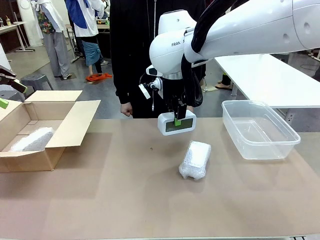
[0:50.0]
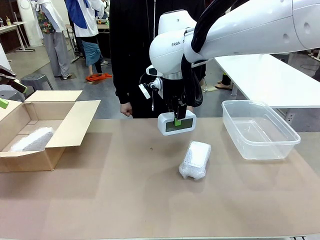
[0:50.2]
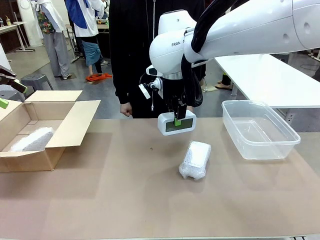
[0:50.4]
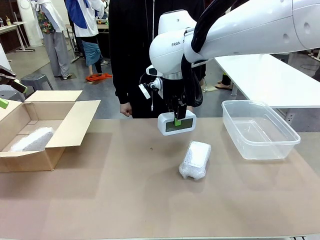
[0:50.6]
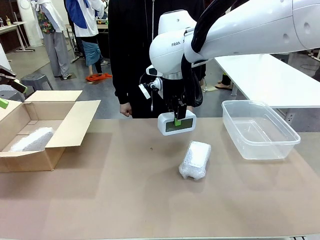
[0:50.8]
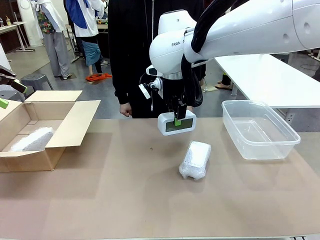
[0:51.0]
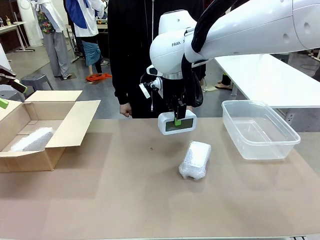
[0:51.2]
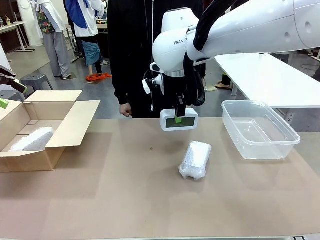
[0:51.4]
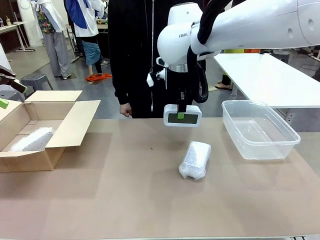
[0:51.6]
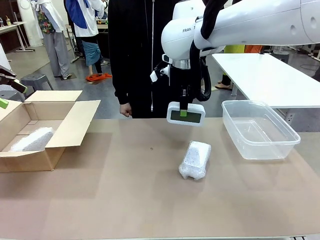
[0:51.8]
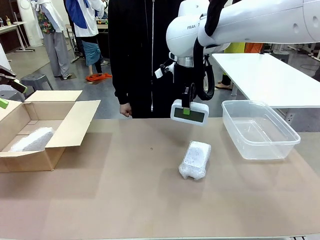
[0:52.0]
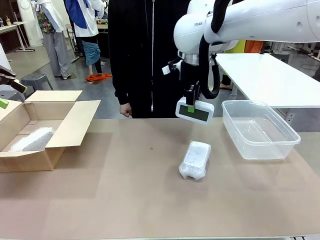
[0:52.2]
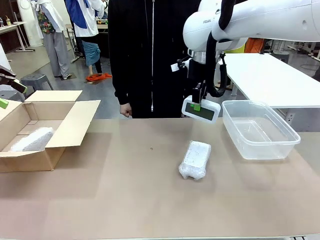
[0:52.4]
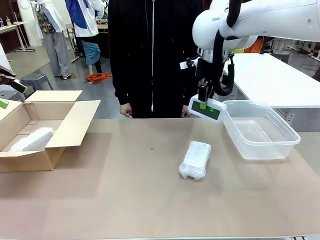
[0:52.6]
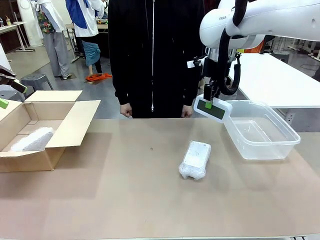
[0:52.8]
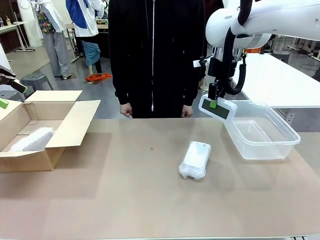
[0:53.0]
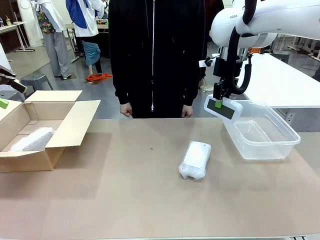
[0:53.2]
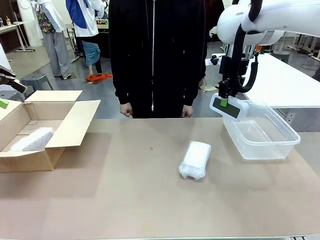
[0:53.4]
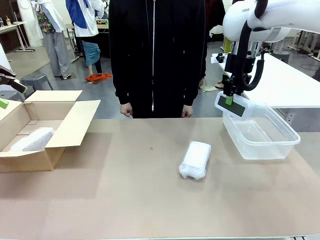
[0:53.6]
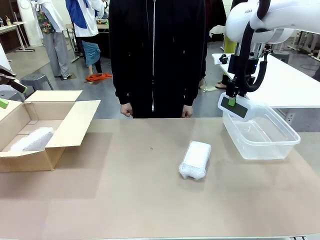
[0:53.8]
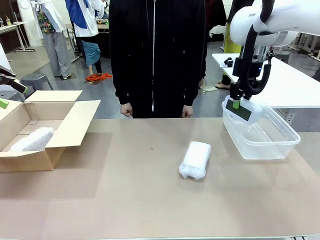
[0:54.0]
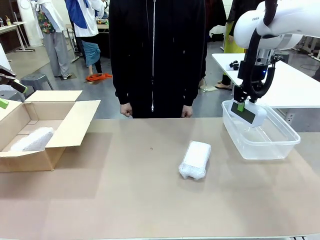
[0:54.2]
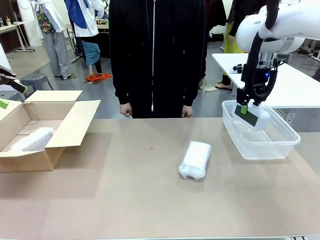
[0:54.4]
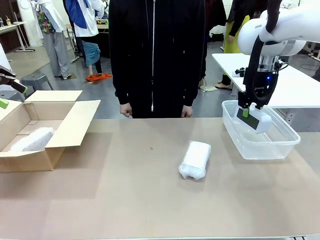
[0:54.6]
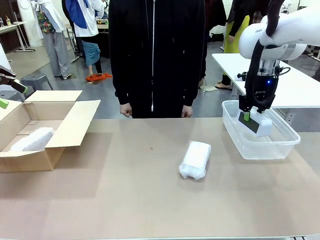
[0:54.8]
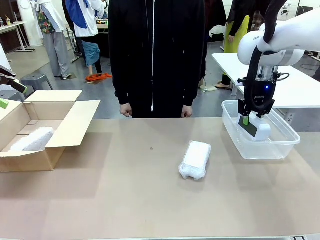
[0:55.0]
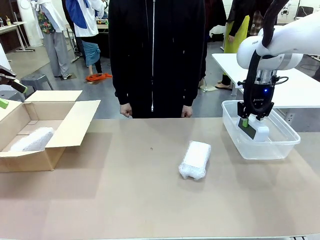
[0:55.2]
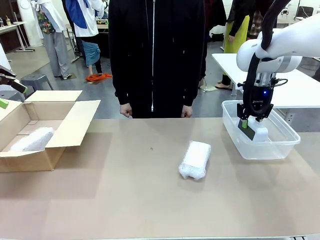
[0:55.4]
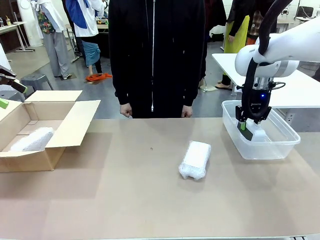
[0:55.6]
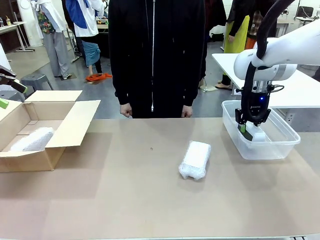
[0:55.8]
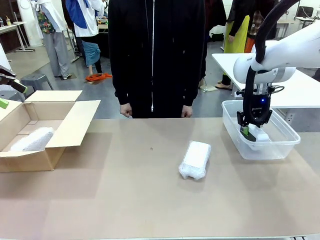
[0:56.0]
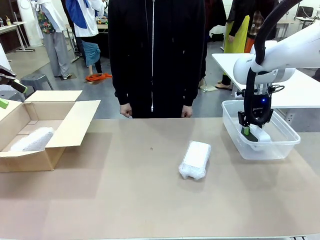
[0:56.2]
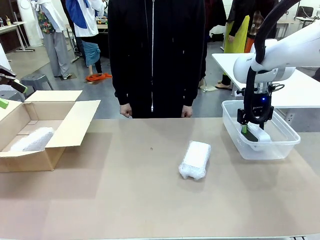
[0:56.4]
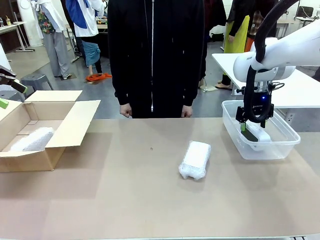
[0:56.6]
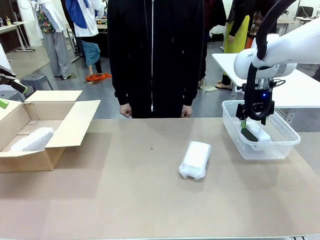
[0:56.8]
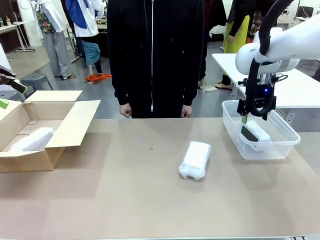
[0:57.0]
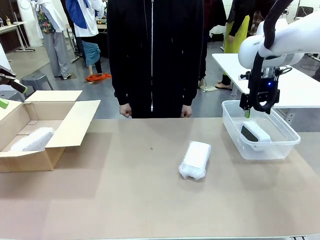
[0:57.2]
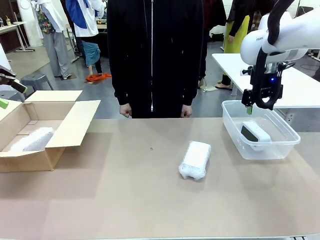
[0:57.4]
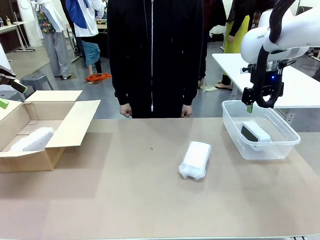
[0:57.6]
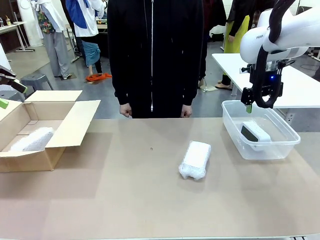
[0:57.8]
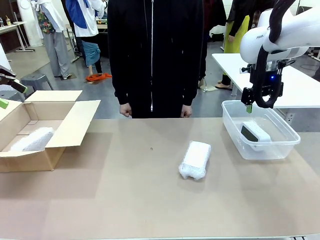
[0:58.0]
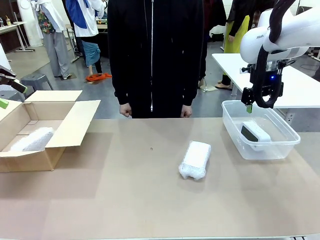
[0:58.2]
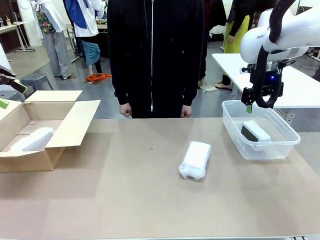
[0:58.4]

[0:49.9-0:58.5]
Task: Separate and place wrapped and unwrapped clocks.
Robot: If the picked Digital clock is wrapped, place it in the Package Box ; if not, place it in the Organizing box.

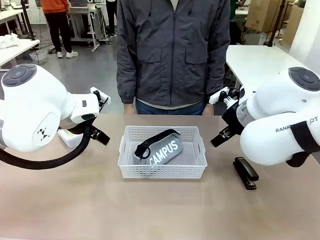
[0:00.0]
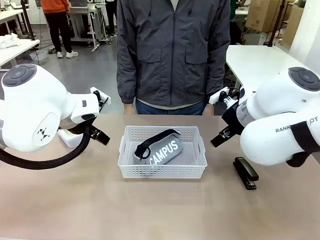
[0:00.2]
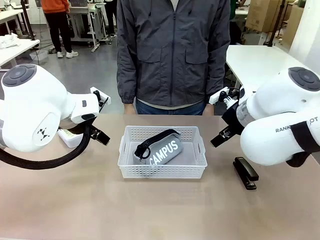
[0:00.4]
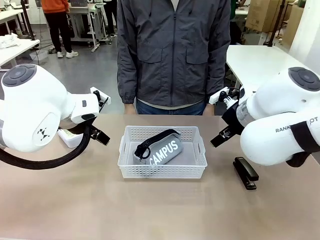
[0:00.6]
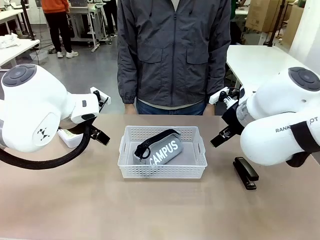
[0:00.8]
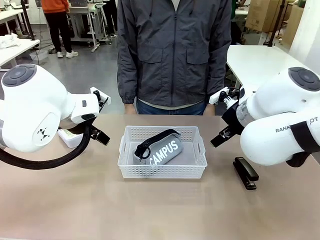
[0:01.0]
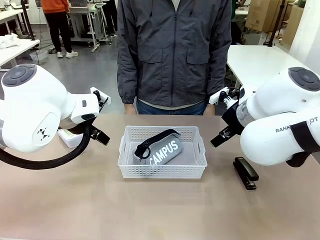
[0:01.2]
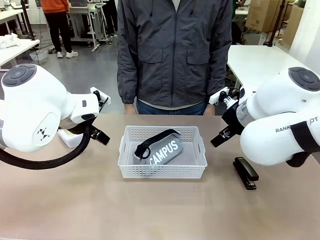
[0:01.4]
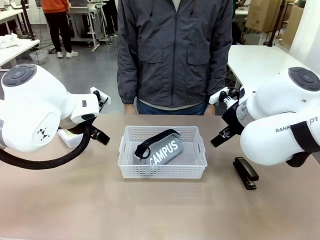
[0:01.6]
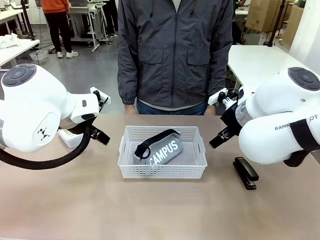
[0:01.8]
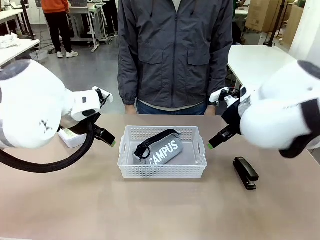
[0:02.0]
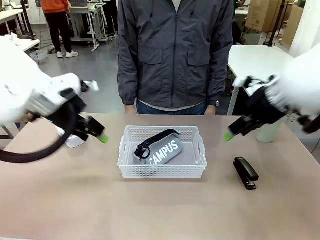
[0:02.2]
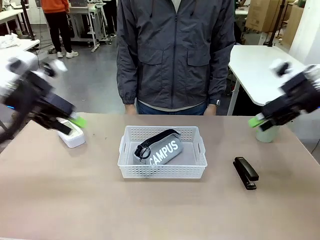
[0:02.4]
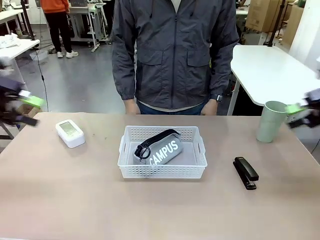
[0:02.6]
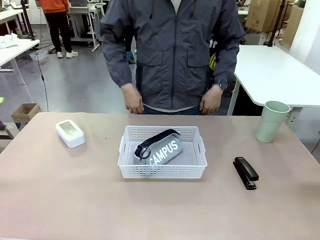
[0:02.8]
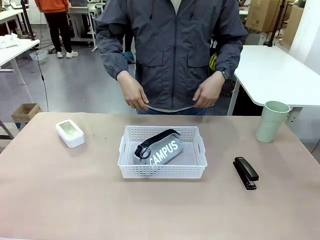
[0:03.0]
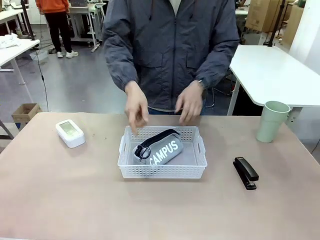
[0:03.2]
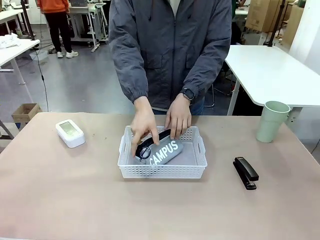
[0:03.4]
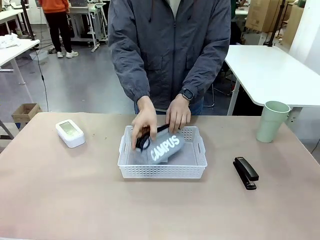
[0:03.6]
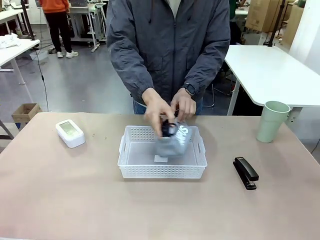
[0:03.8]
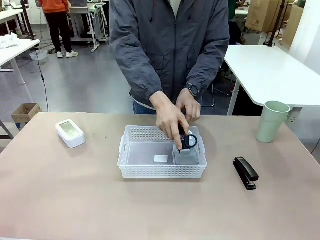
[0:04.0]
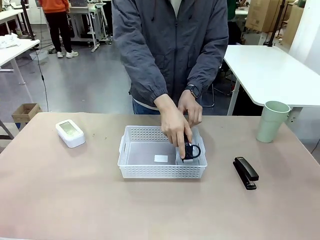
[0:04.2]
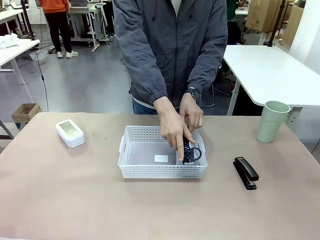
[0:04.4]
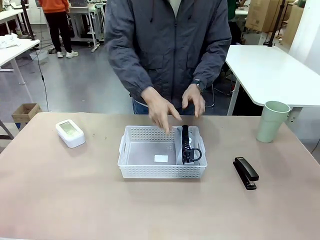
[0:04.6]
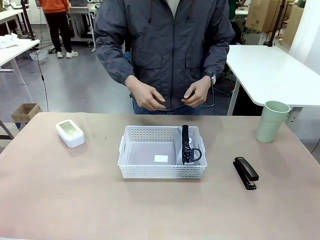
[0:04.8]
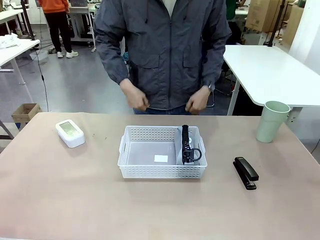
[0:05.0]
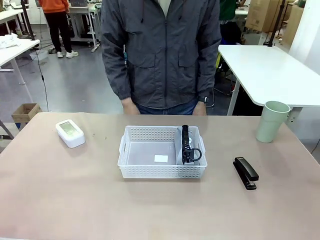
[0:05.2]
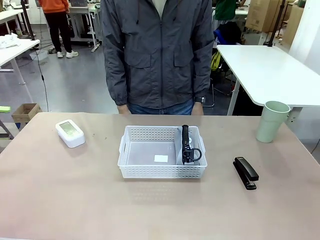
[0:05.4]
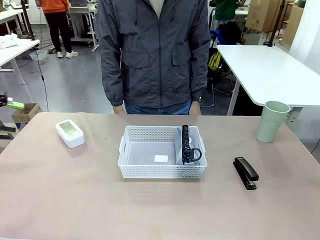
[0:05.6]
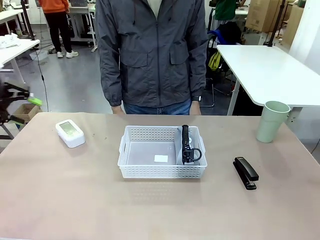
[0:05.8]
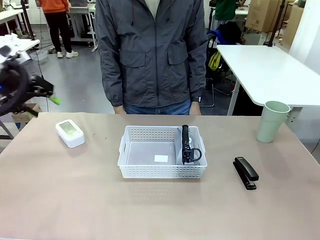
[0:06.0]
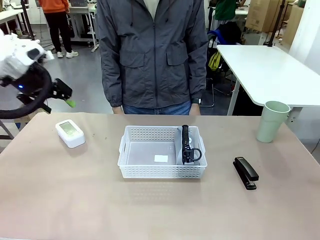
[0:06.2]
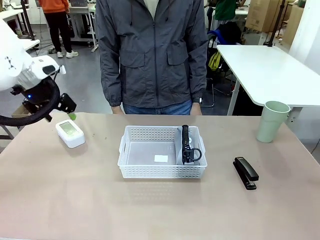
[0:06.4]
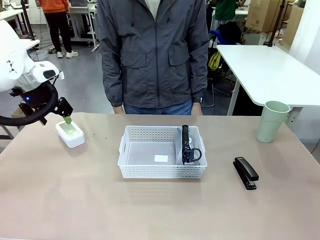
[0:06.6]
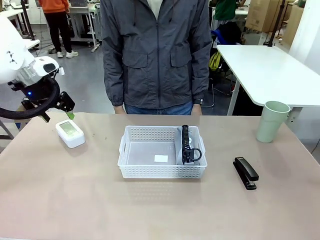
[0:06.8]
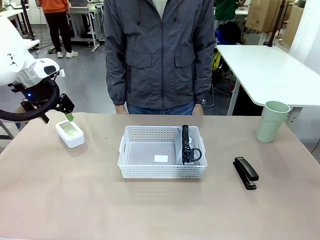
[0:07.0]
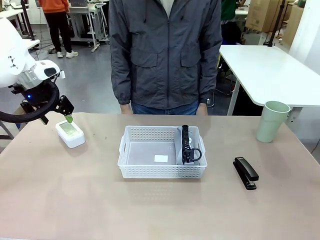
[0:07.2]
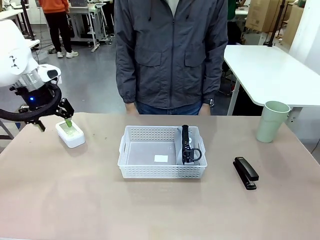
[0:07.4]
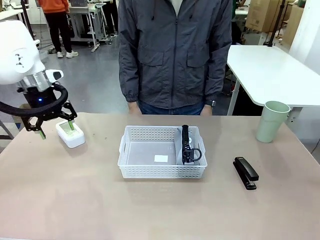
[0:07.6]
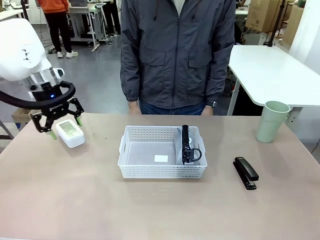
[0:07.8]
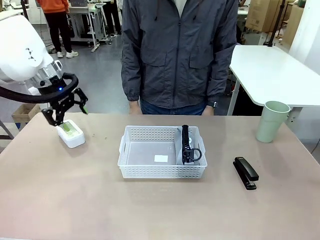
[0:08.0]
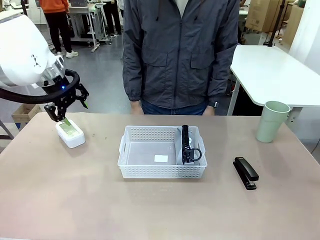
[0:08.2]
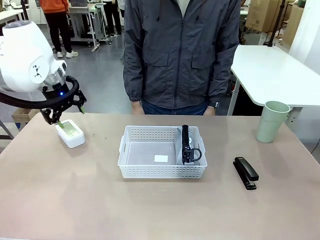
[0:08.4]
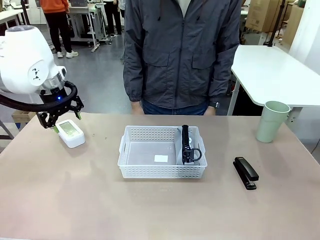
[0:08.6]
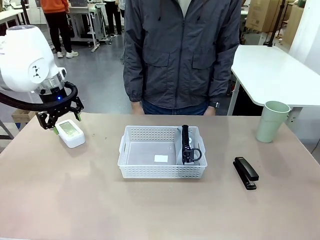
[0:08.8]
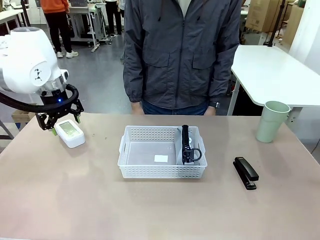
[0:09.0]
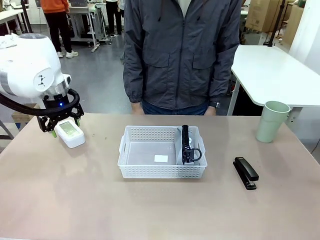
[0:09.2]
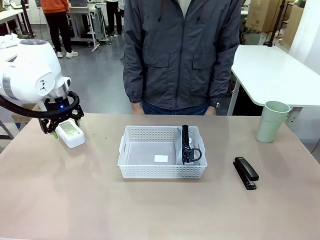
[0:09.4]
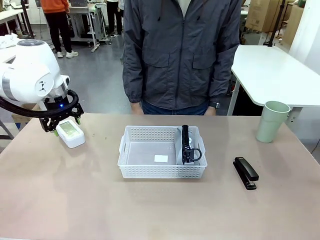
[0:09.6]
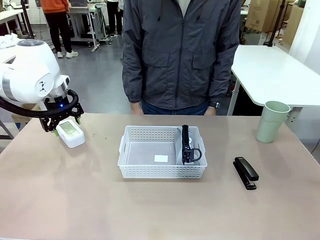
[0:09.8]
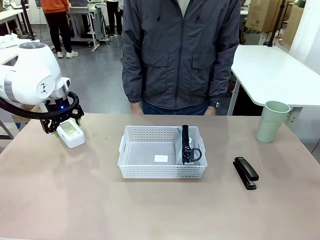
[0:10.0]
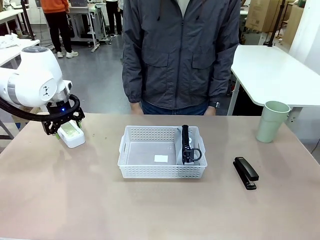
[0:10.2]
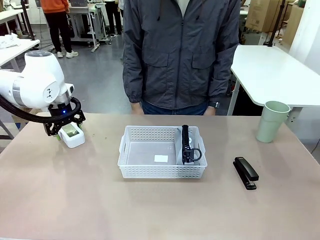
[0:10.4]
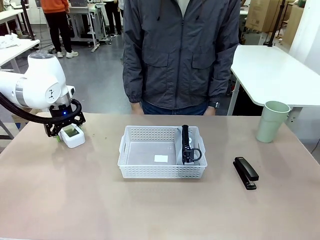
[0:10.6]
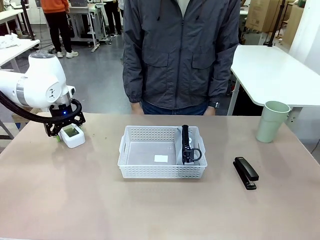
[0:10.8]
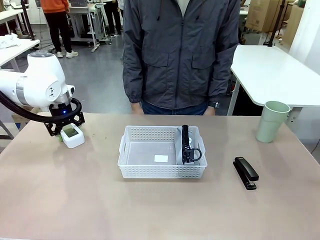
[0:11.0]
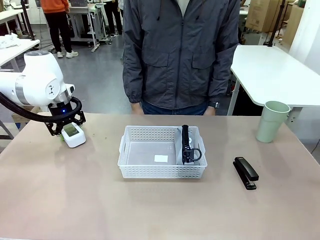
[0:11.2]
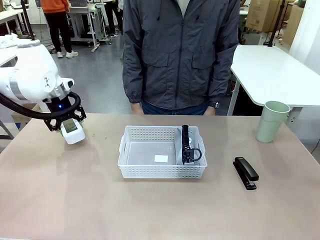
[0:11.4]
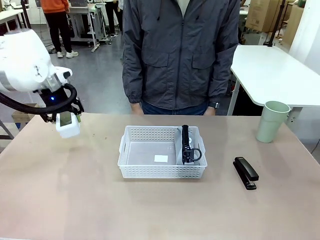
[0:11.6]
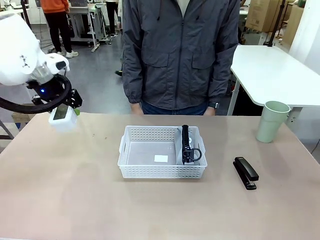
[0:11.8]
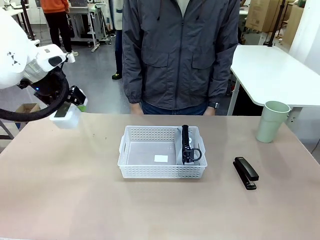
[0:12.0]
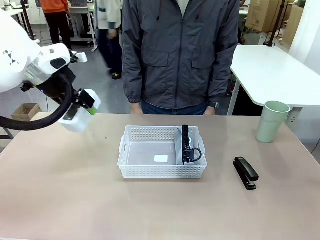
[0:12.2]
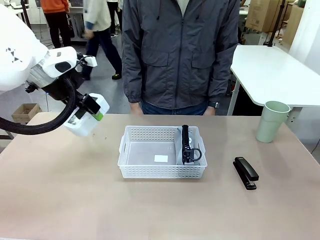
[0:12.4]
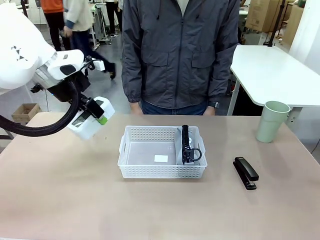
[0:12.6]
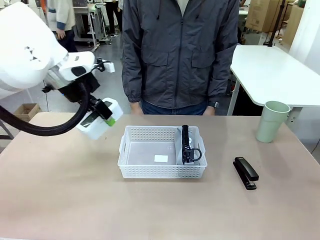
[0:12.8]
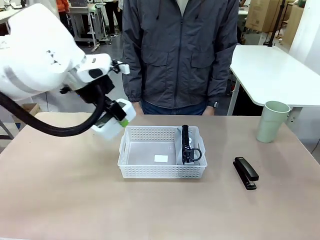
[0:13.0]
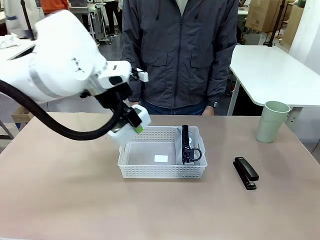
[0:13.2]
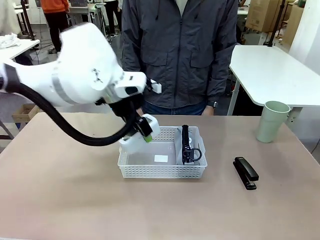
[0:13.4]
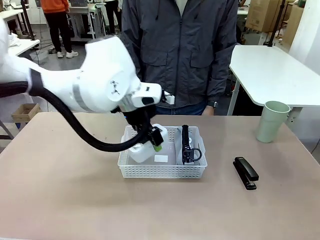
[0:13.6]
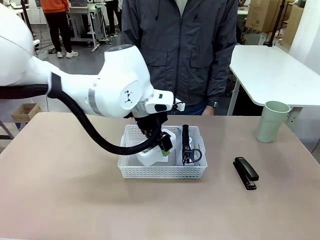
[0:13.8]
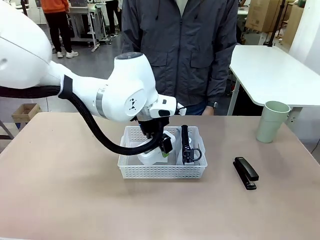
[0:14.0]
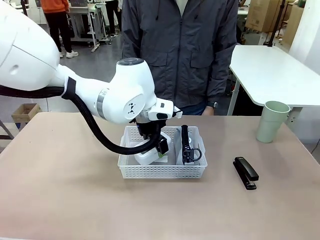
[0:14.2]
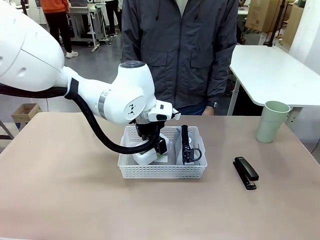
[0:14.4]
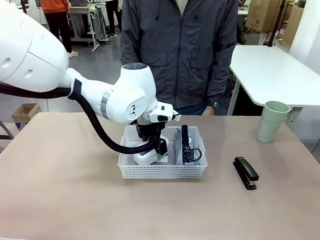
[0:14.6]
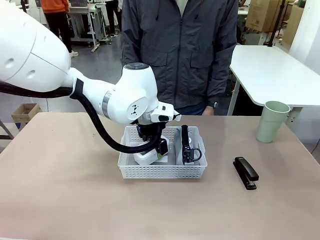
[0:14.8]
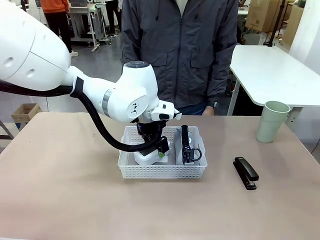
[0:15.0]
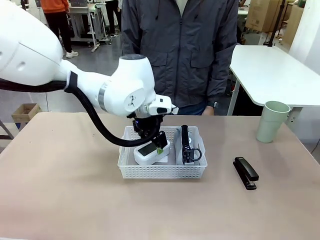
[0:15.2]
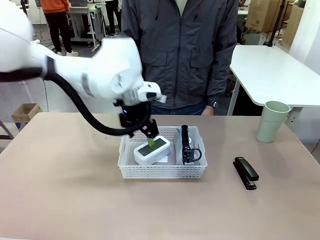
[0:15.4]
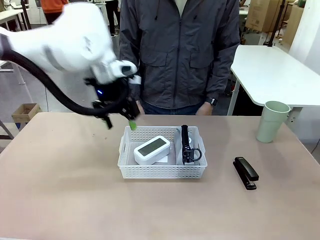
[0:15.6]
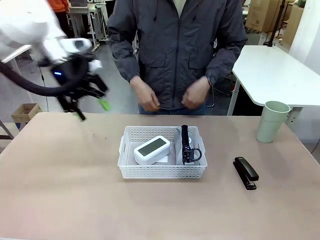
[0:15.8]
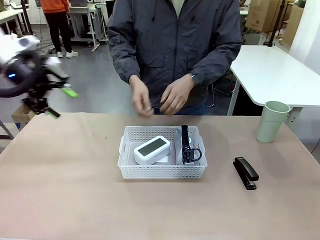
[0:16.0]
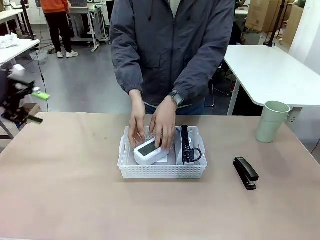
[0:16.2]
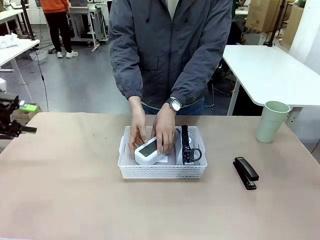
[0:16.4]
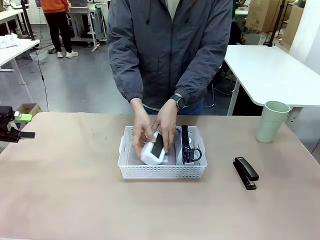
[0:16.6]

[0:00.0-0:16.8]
Task: Efficiently arrange items inside the basket to fit them all.
Robot: Pick up the Digital clock and place it inside the Organizing basket.
Person: Repositions the pencil case. Repositions the digital clock.
